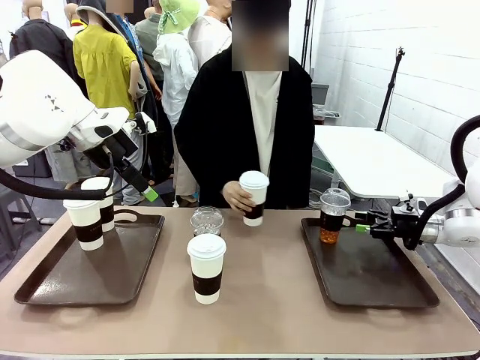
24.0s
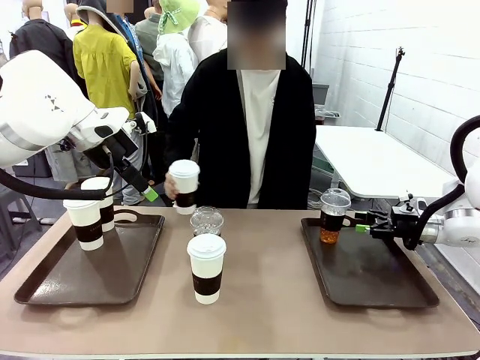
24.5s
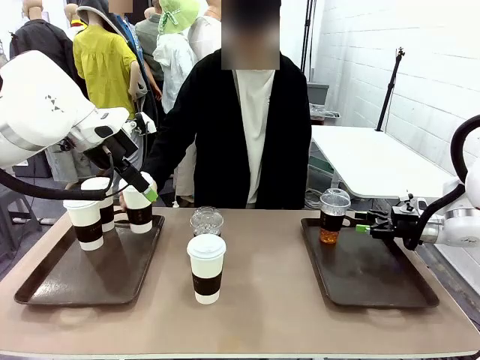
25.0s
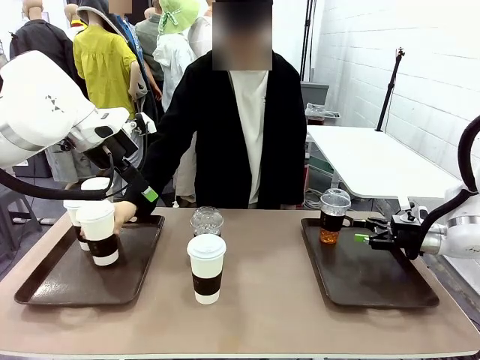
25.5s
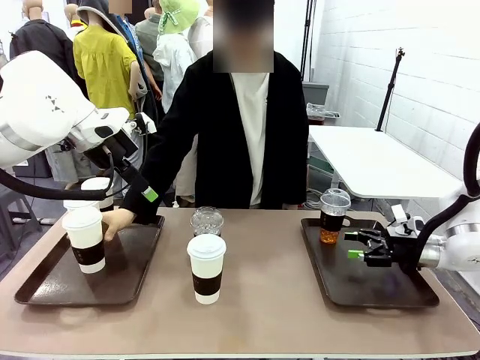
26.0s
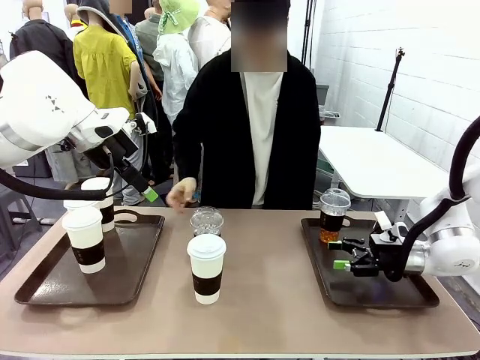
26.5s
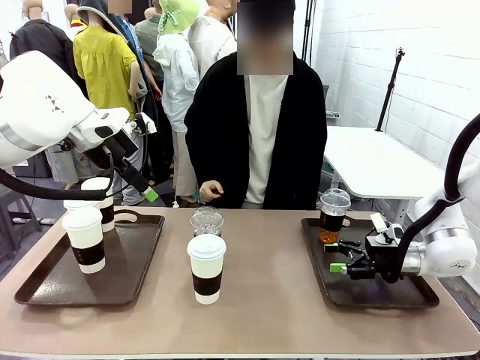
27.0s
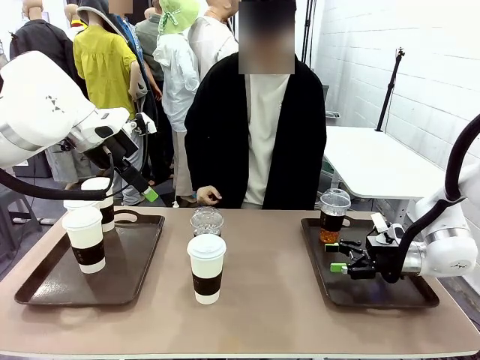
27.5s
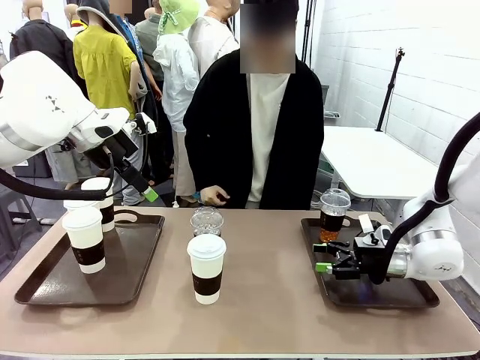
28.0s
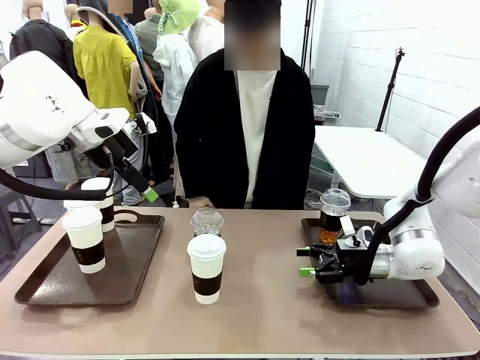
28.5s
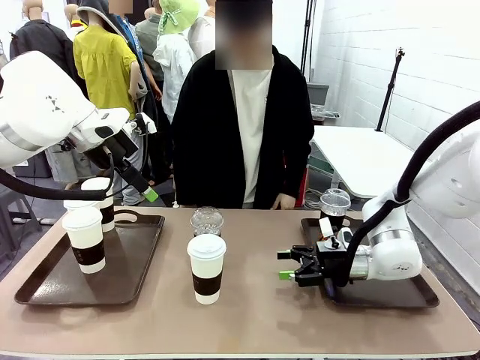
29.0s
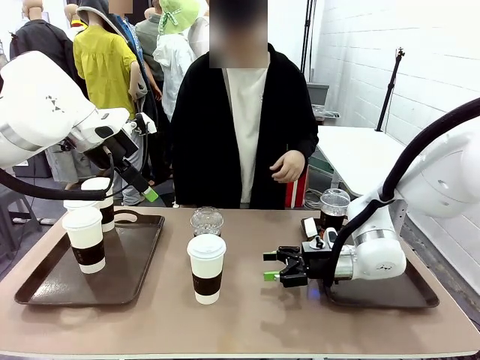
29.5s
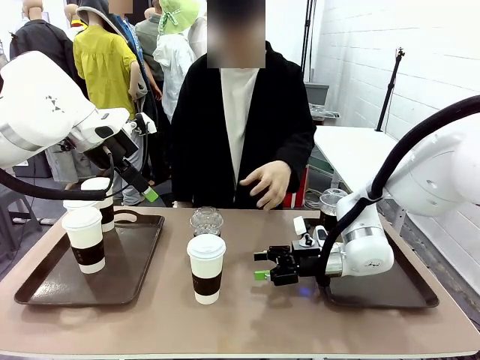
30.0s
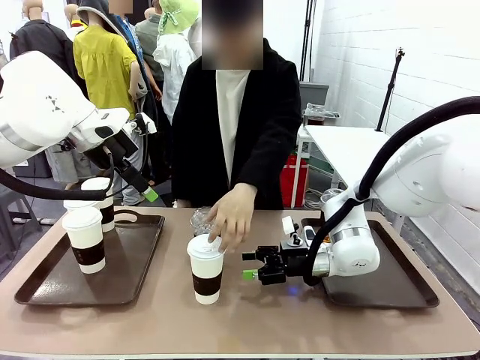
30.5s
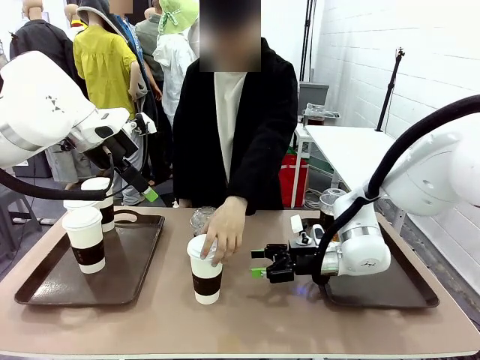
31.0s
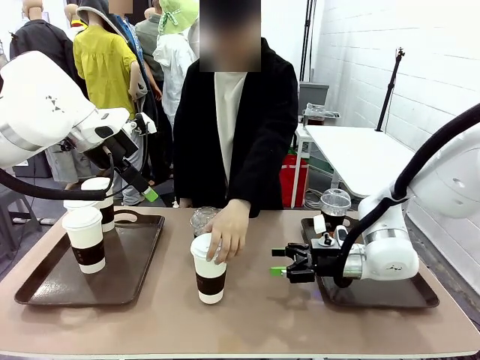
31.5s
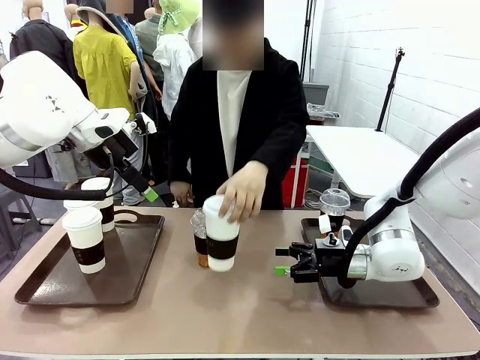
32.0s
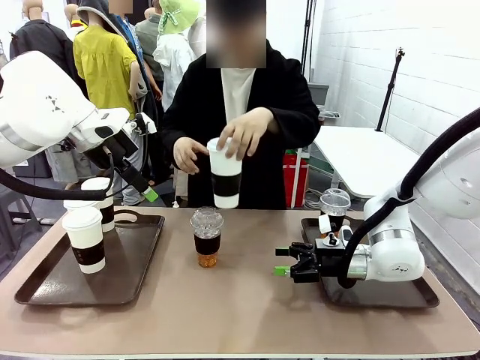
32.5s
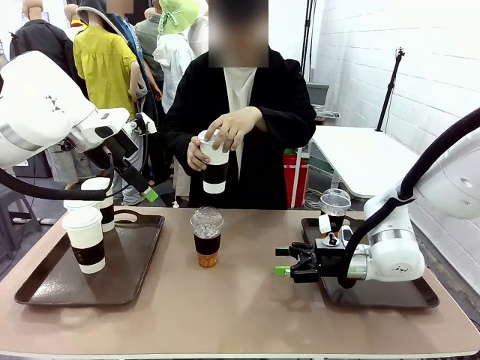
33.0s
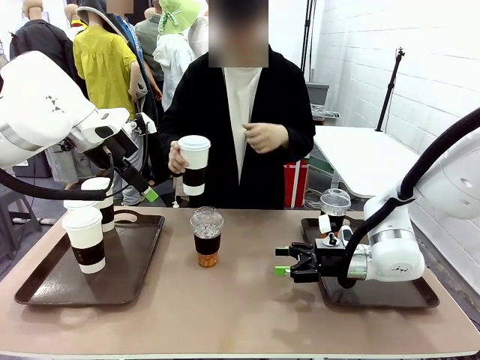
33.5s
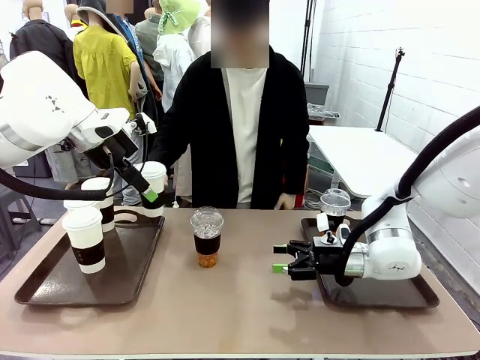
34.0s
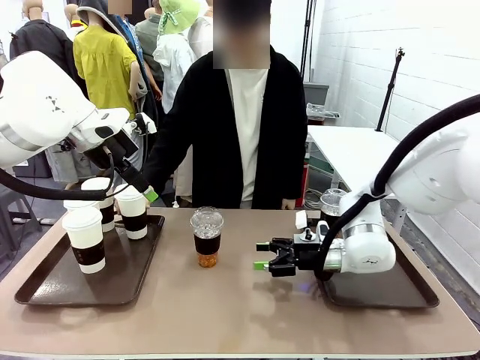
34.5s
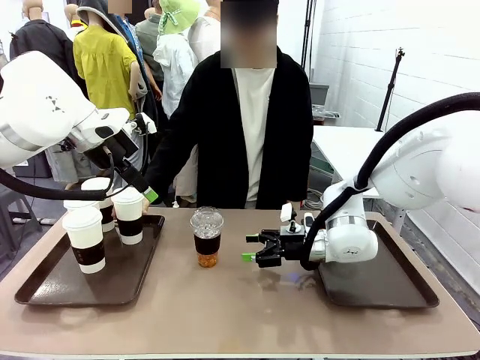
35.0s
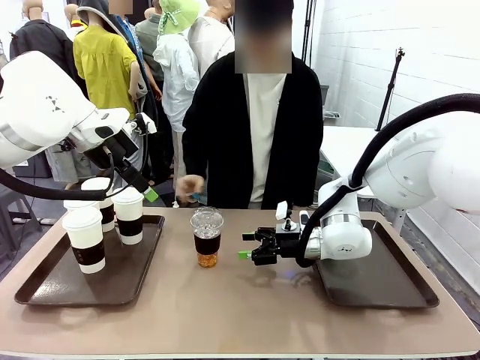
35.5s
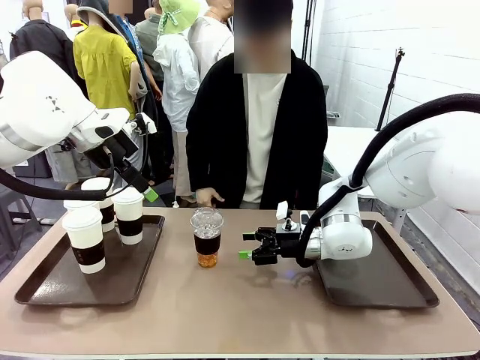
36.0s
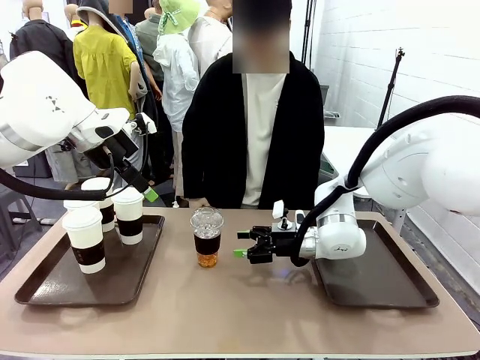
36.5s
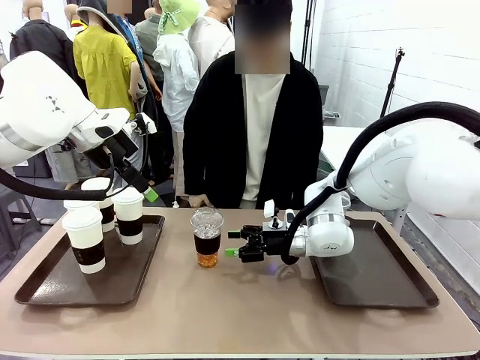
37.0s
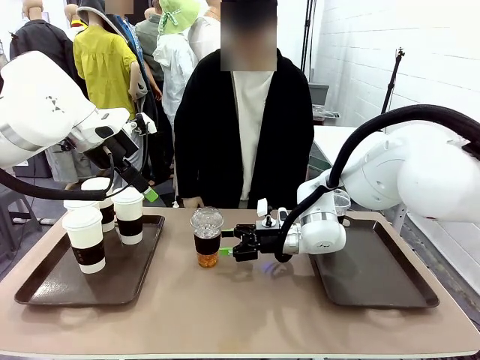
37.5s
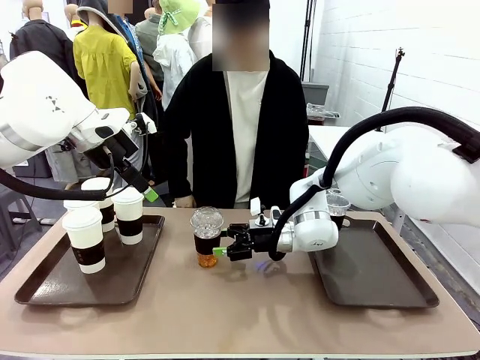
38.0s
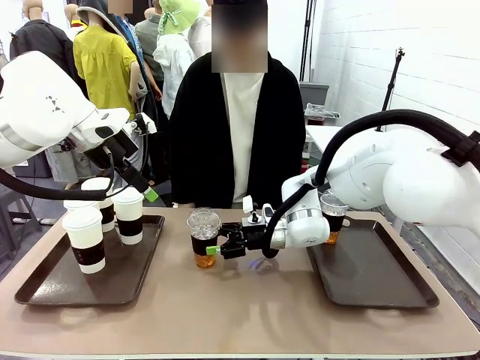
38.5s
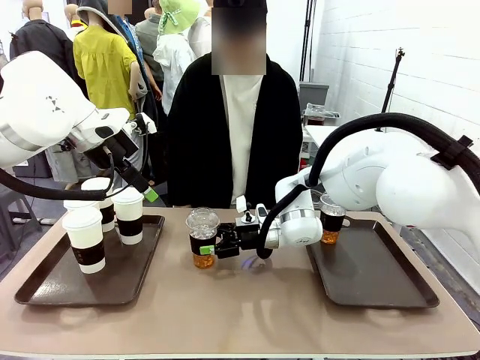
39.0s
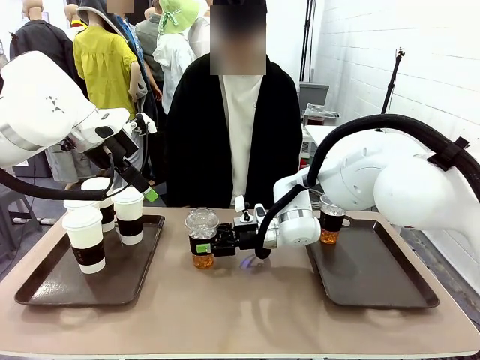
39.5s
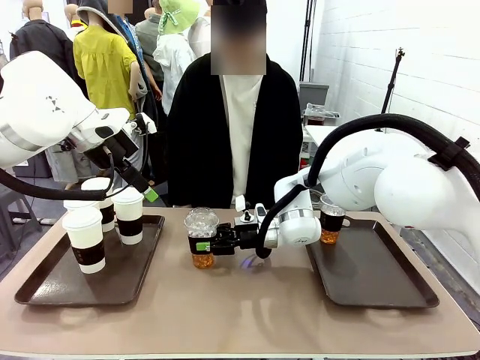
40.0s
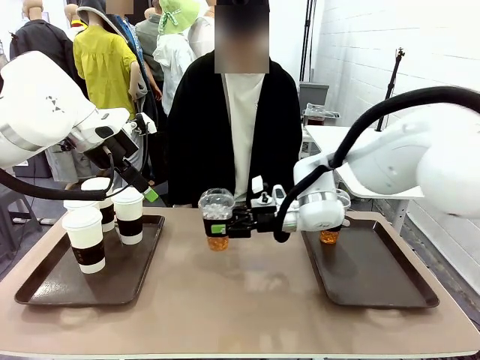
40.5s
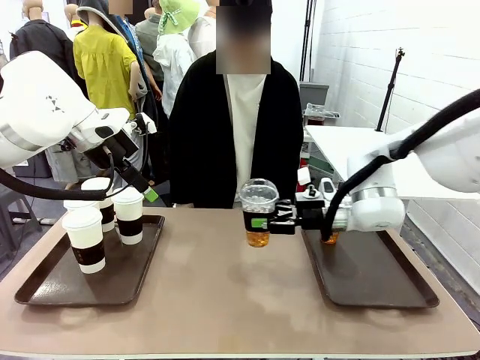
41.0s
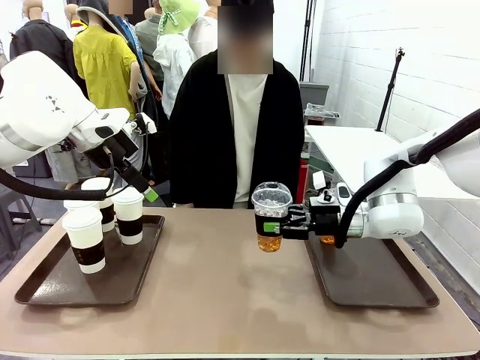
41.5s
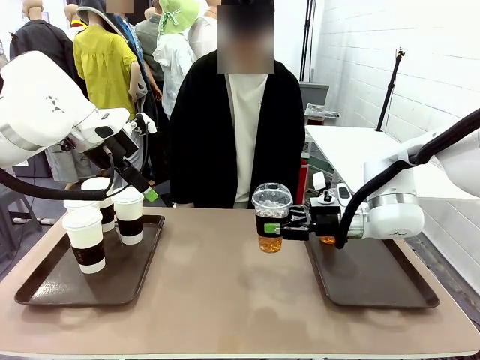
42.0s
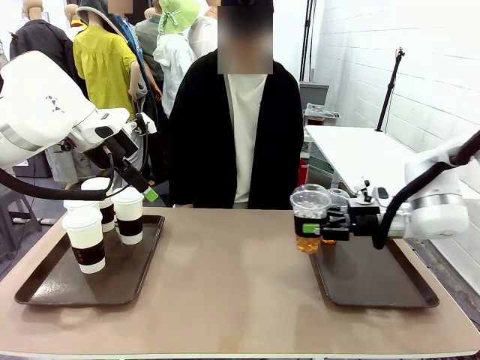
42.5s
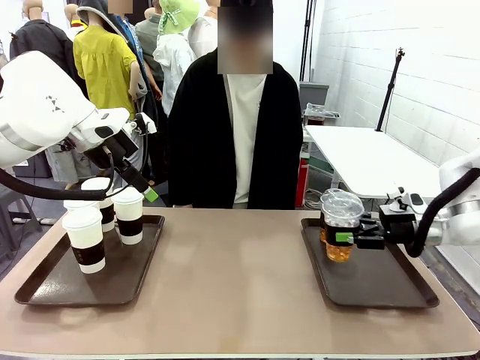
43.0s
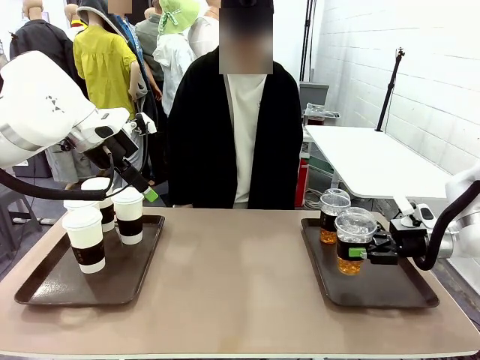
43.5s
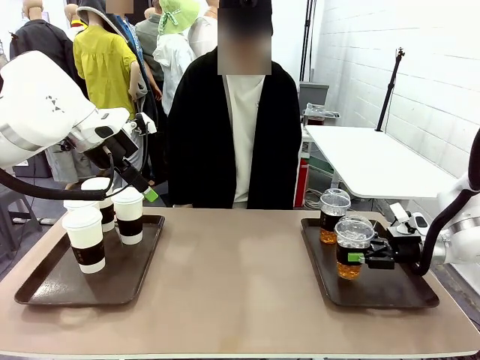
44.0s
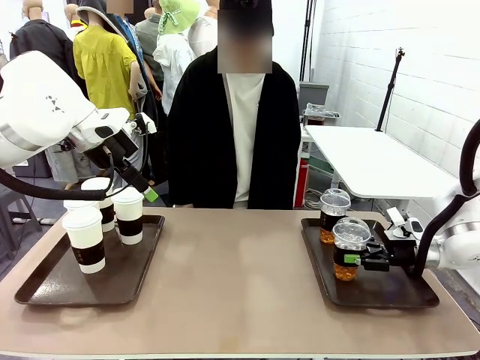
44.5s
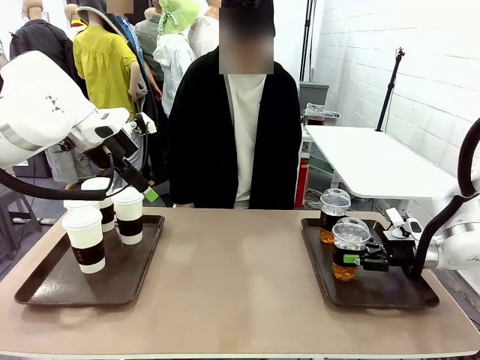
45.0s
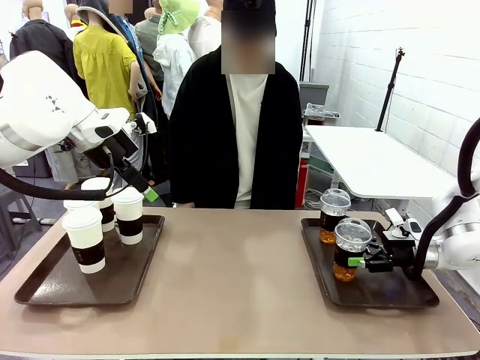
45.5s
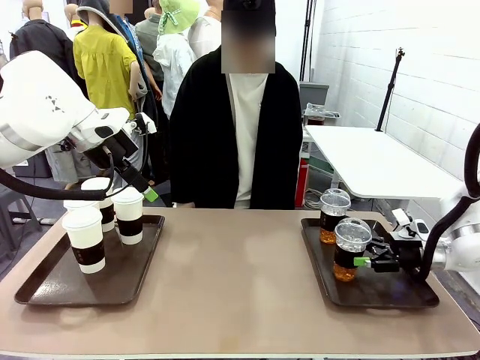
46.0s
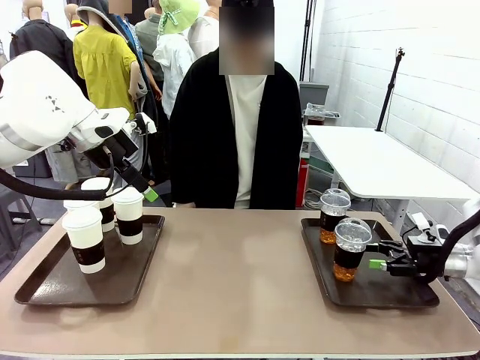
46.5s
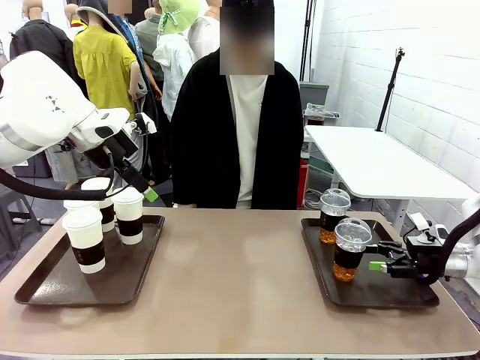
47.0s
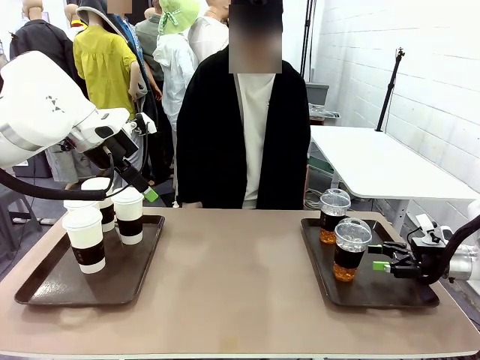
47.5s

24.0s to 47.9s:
Task: Distribute the coffee onto the tray.
Robot: Pick up another iced Americano from the middle of the table and place it on the right Handle tray.
Person: Pick up a cup of hot Americano from the middle of the table and place it on the right tray.
